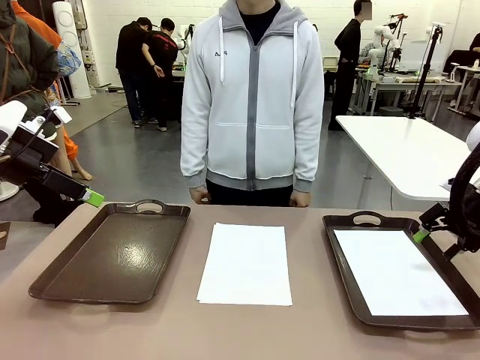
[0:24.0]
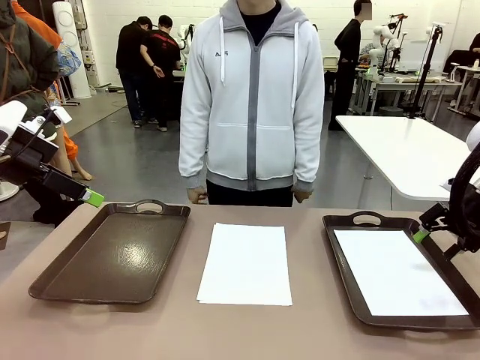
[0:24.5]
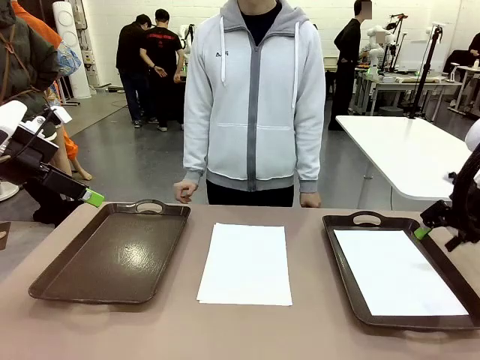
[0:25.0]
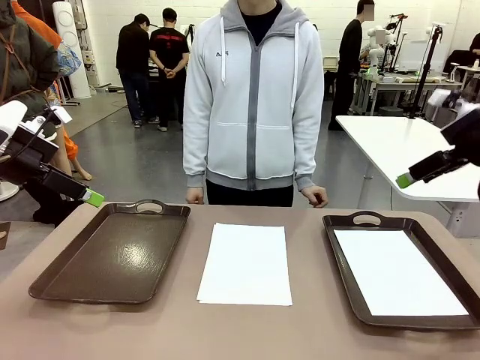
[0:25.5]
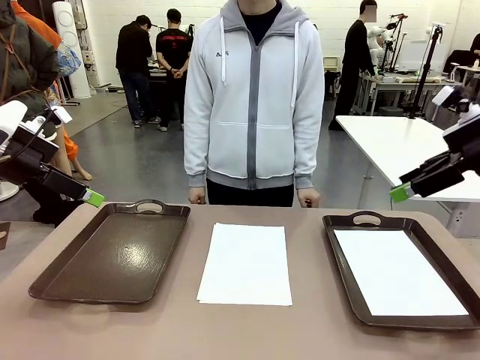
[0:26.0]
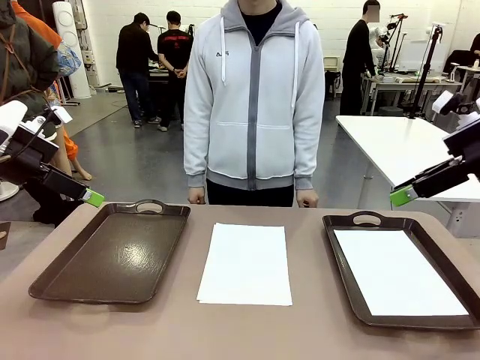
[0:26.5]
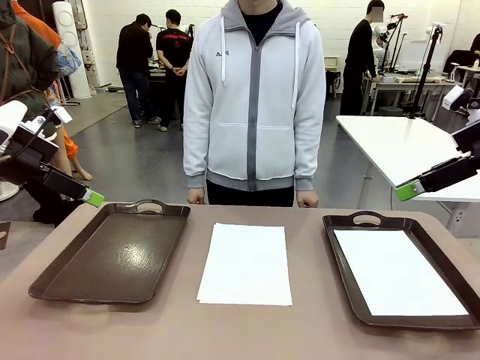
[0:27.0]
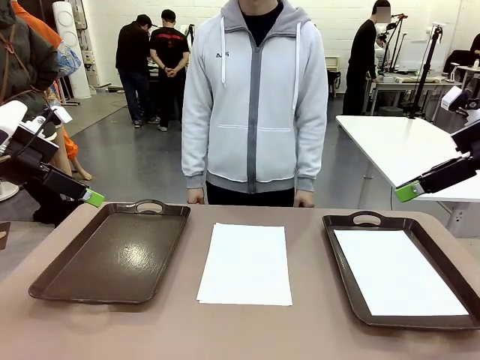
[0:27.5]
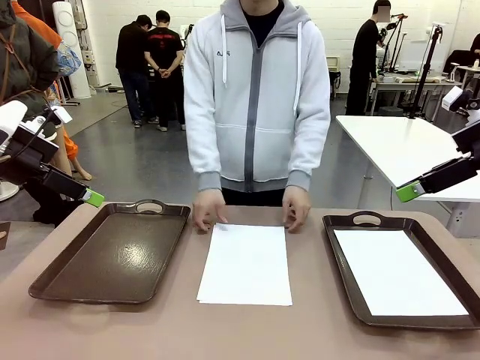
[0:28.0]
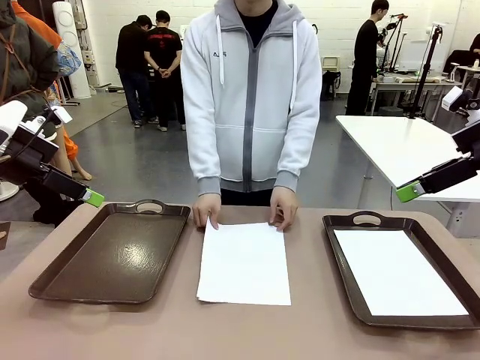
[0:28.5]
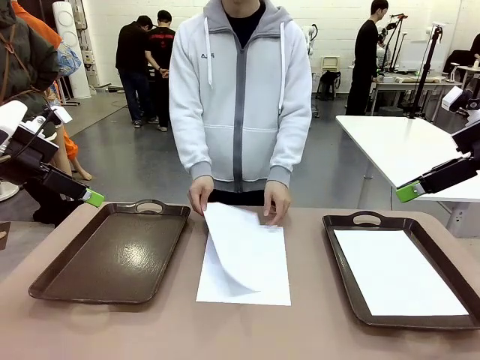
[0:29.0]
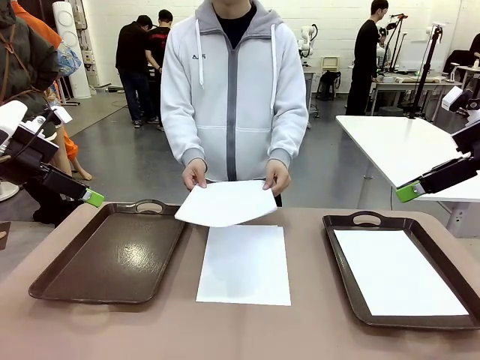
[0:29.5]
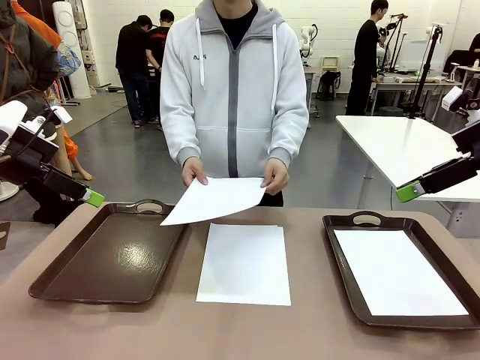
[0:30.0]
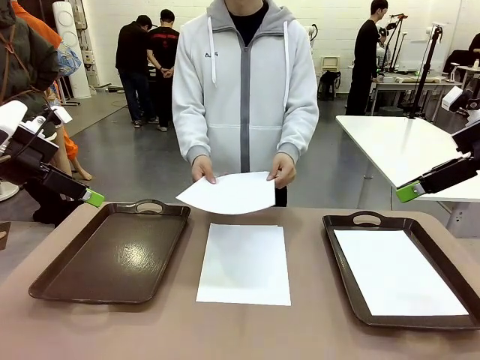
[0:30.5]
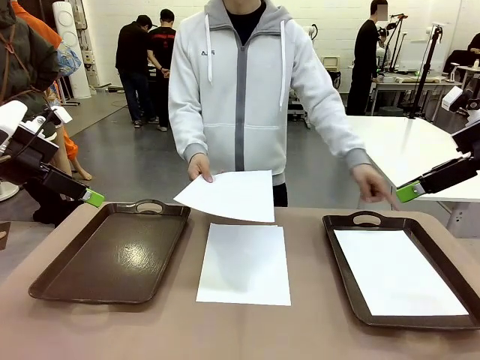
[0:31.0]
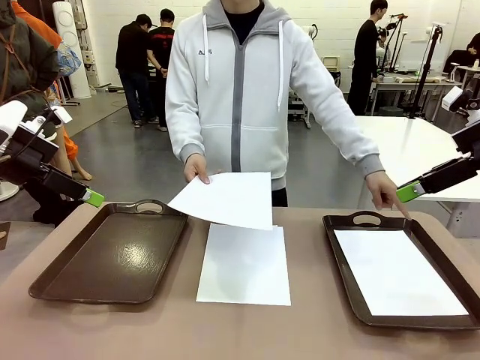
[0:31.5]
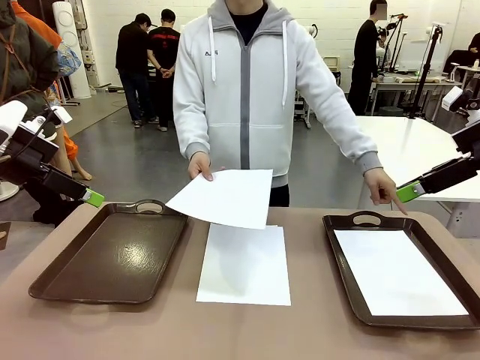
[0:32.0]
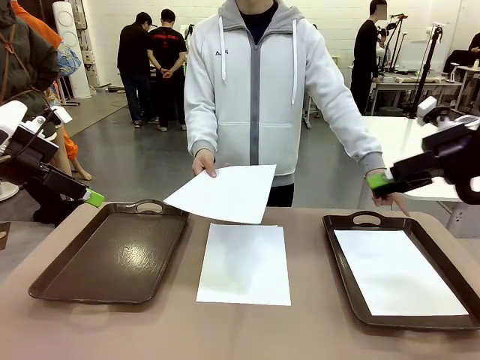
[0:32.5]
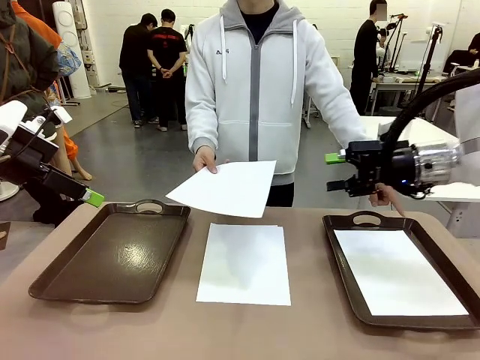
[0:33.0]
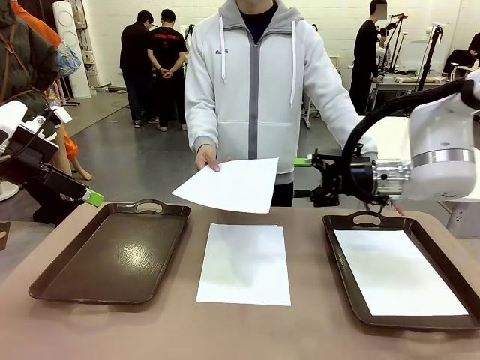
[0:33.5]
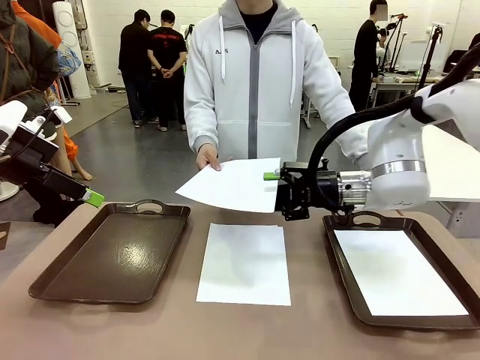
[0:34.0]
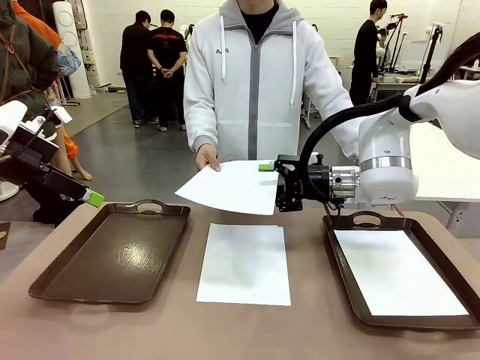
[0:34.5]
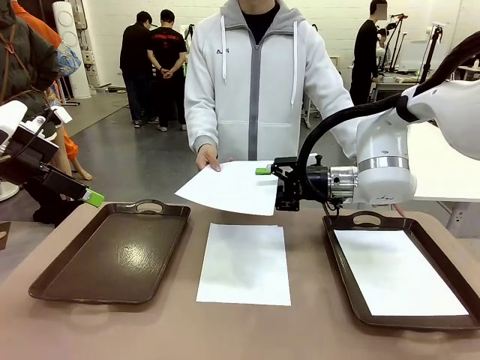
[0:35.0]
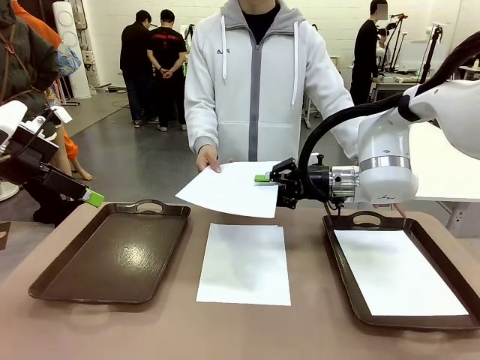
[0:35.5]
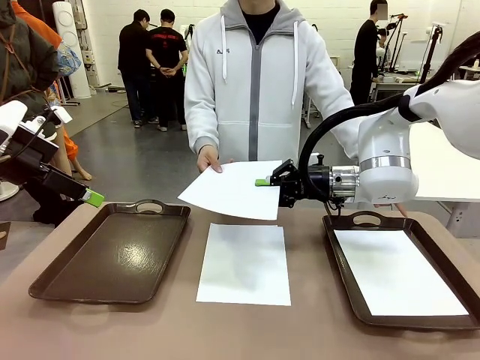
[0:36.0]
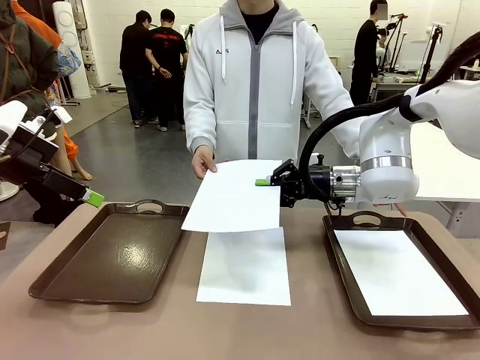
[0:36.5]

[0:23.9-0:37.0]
Task: Sort the A4 documents.
Robot: Receive the A4 Paper.
Person: Point the randomly selected tray with the other hand.

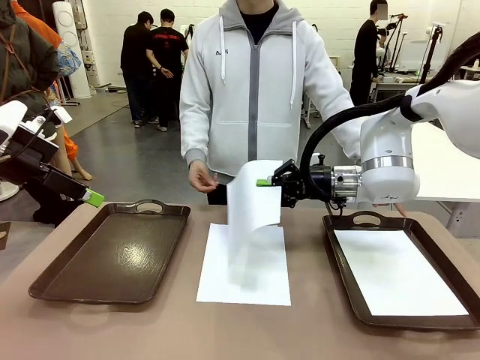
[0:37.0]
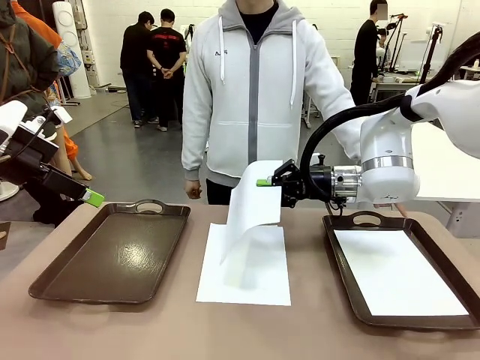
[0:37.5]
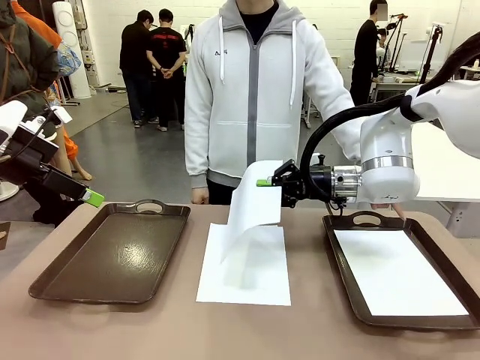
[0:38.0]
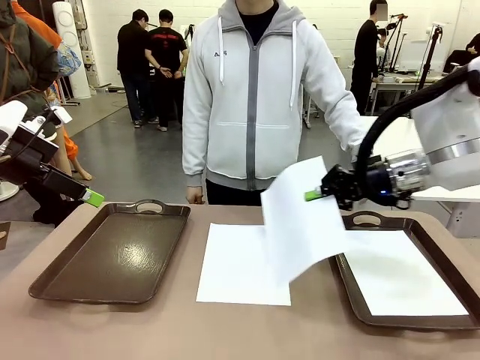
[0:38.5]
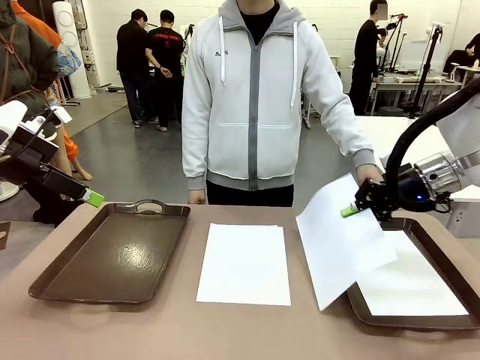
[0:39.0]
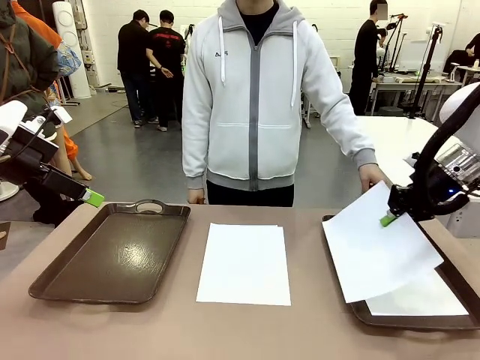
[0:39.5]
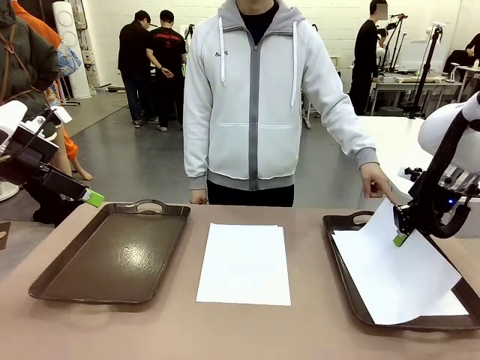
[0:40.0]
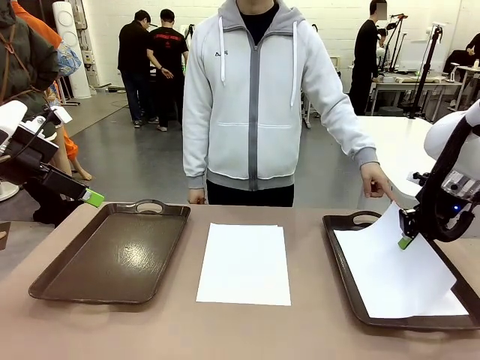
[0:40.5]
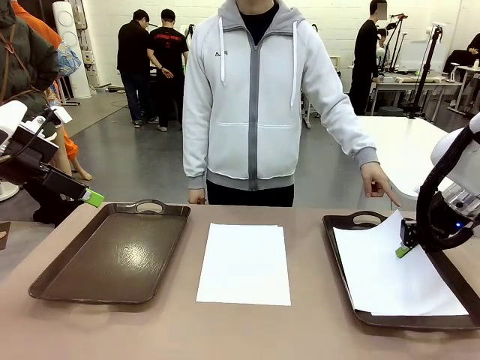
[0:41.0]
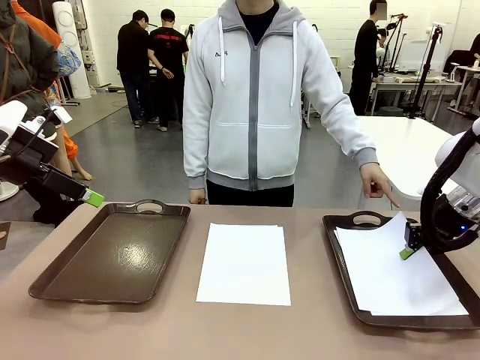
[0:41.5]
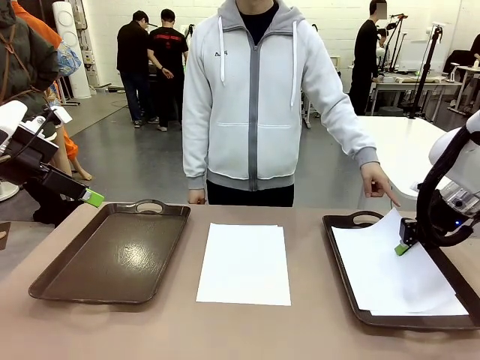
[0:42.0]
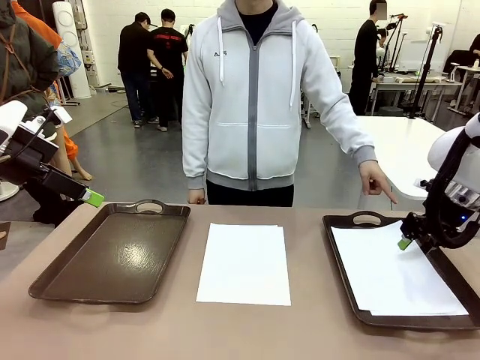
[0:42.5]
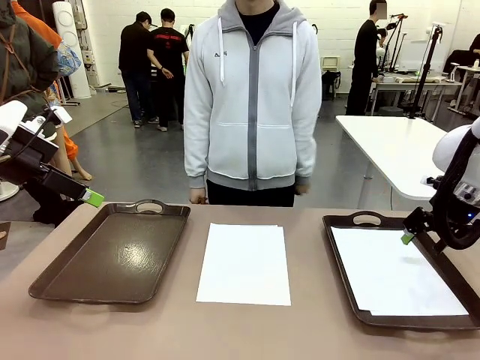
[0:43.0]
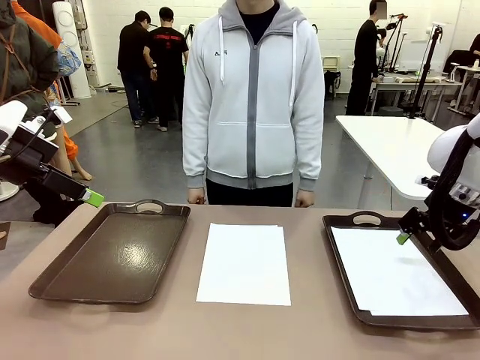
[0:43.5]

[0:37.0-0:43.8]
Robot: Place the A4 Paper in the designated Handle tray.

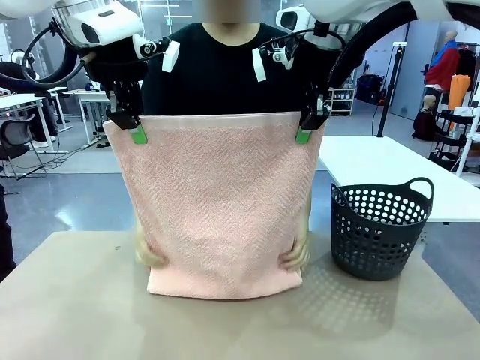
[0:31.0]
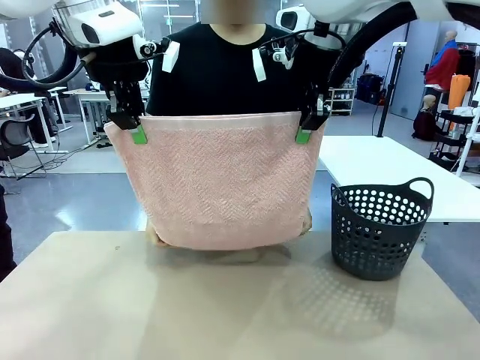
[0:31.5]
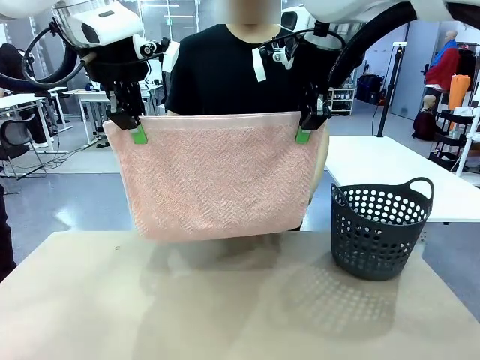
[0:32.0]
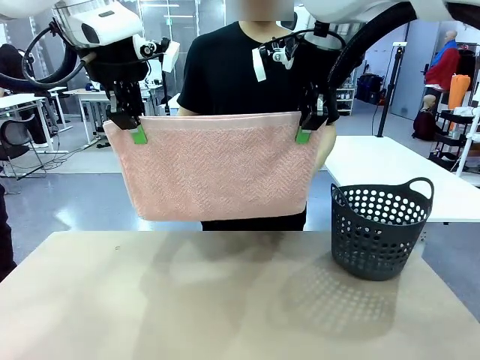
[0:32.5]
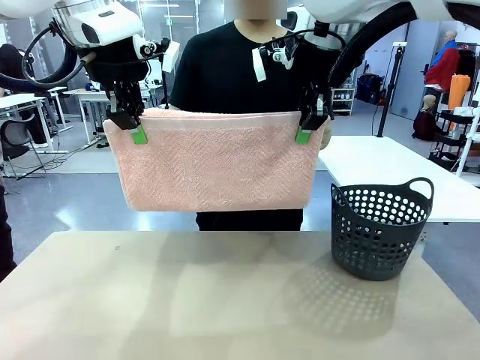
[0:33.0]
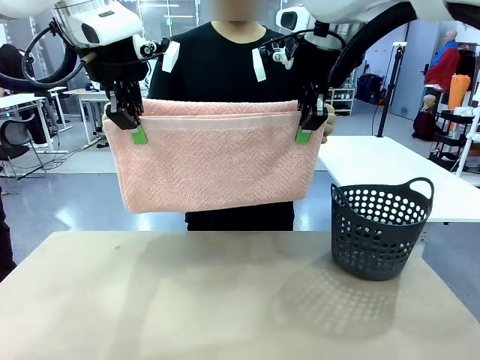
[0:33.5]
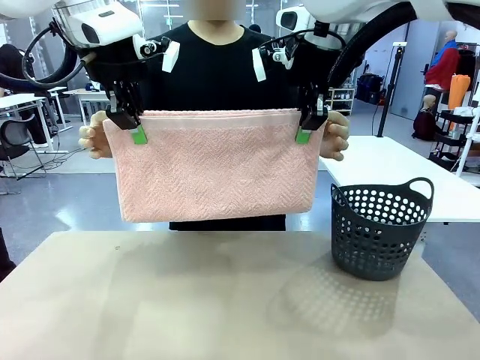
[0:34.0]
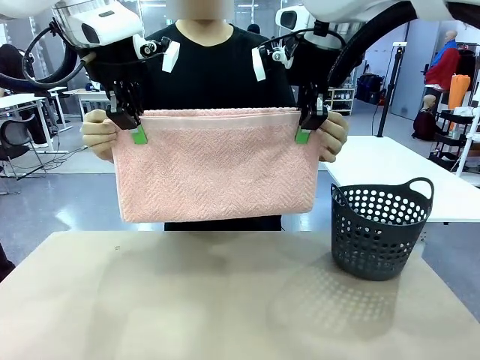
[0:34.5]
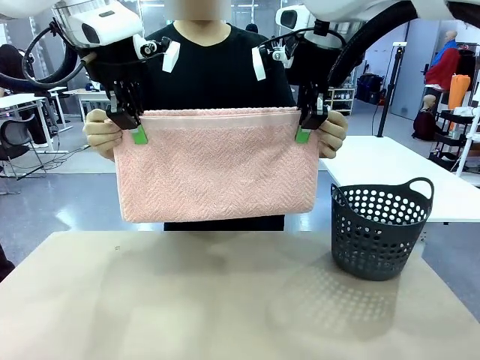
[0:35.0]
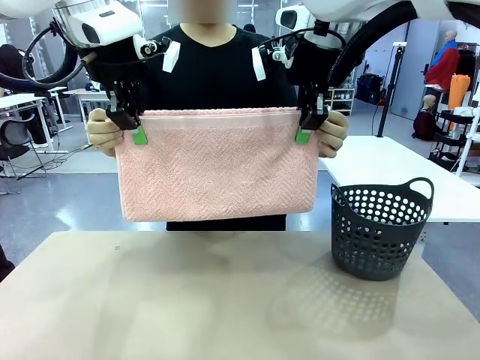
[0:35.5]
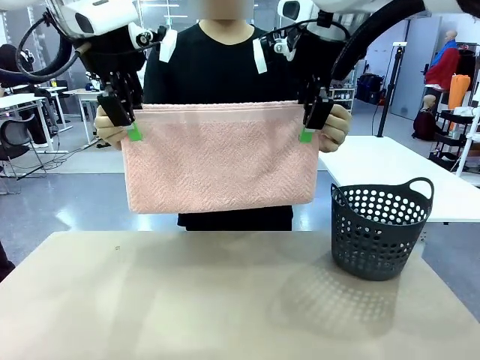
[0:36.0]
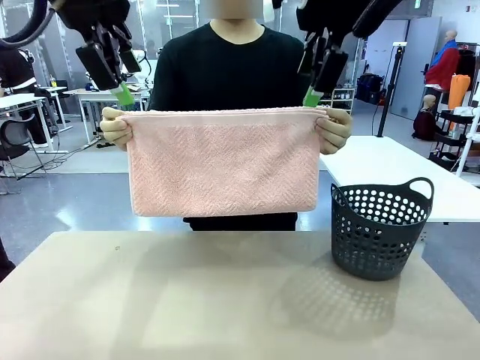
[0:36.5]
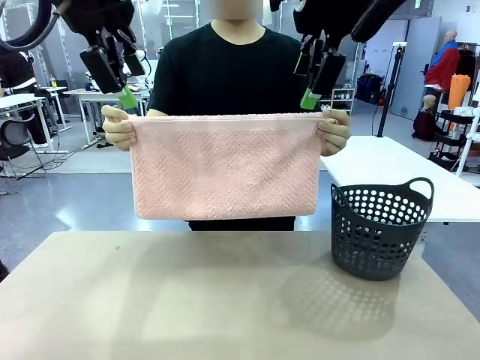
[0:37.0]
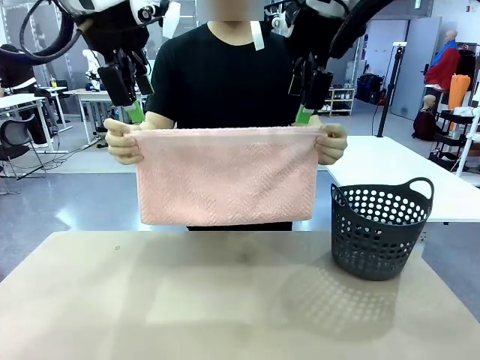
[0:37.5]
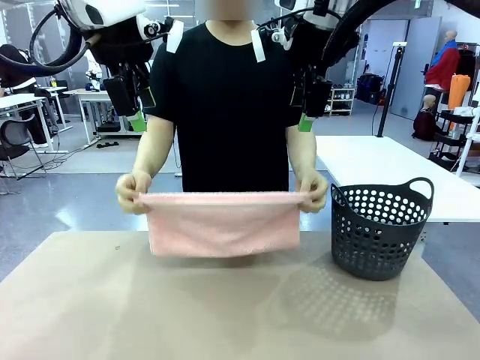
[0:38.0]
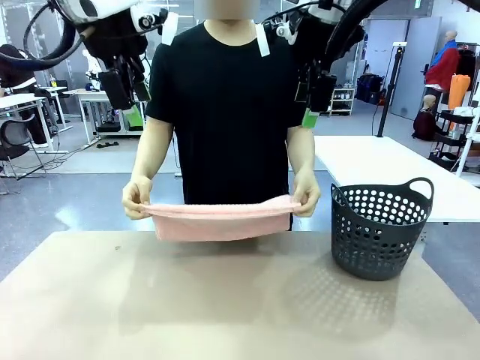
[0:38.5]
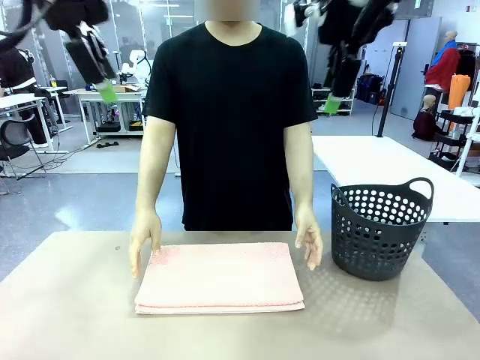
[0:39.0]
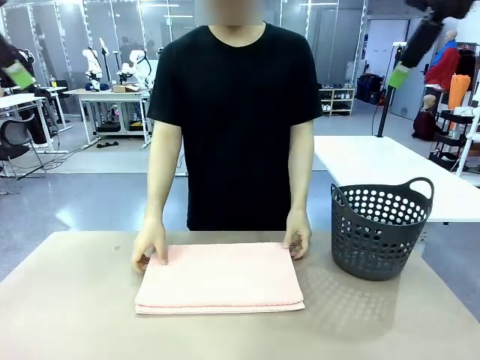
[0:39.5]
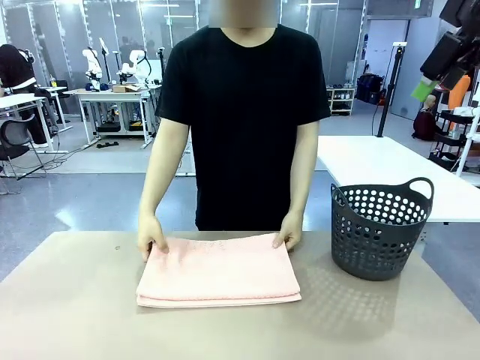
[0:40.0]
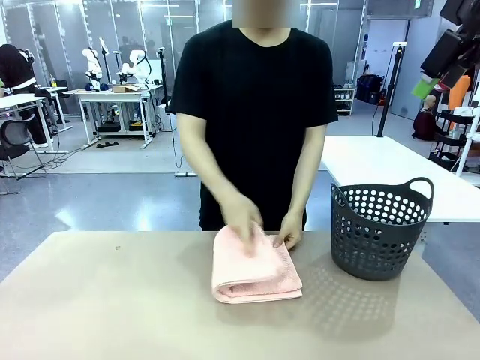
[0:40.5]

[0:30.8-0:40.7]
Task: Fold the towel.
Robot: Release the end of the 100 cm Hotel Towel you were holding.
Person: Place the towel at the center of the robot table and fold it in half.
